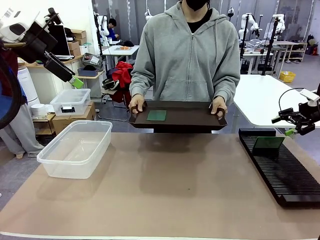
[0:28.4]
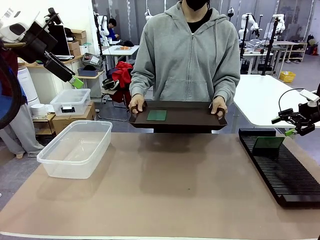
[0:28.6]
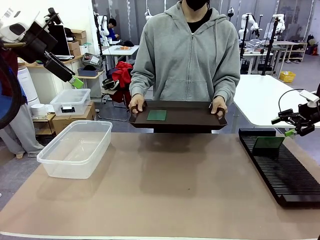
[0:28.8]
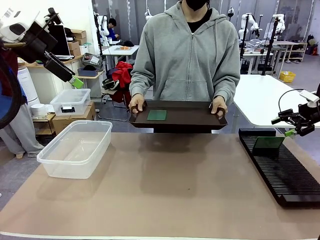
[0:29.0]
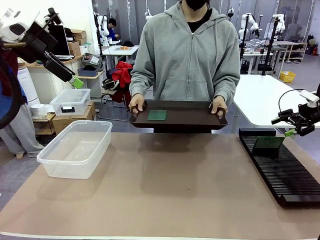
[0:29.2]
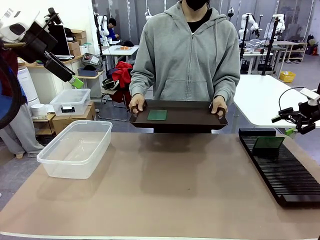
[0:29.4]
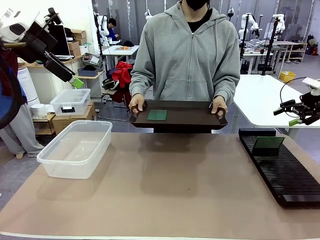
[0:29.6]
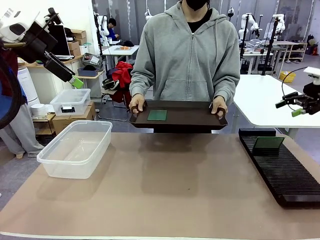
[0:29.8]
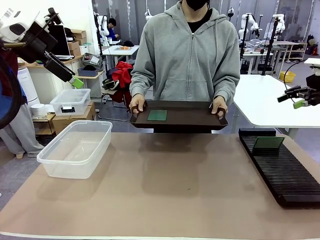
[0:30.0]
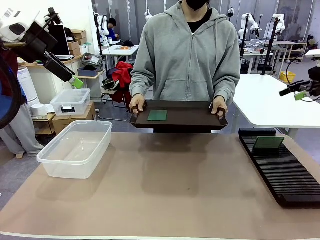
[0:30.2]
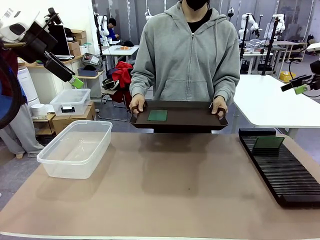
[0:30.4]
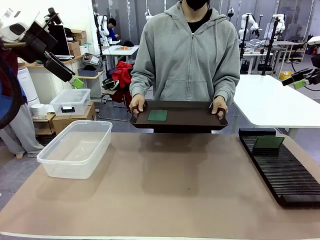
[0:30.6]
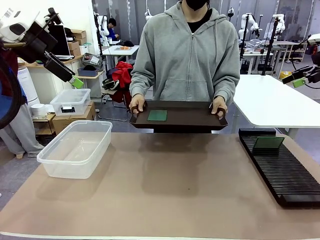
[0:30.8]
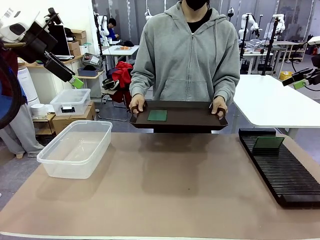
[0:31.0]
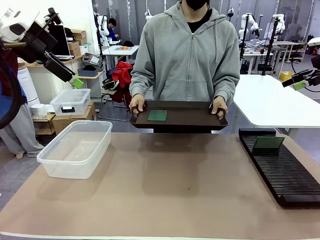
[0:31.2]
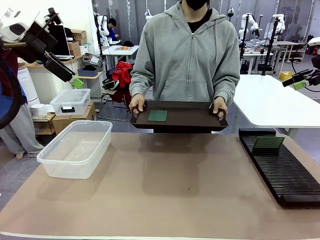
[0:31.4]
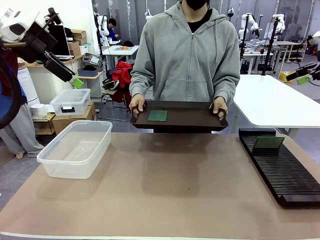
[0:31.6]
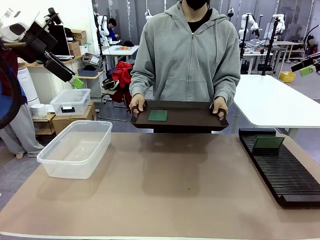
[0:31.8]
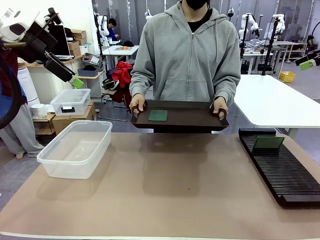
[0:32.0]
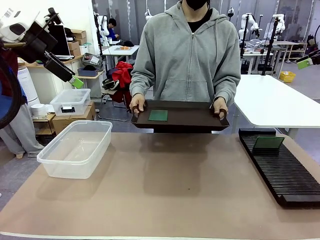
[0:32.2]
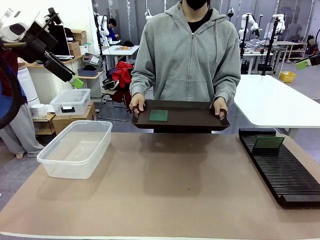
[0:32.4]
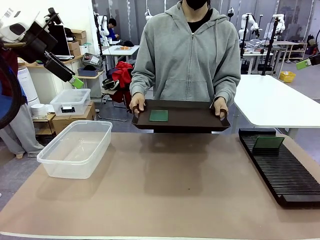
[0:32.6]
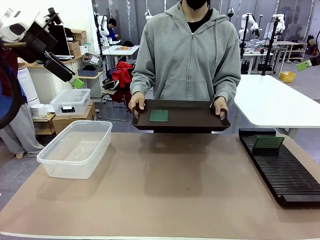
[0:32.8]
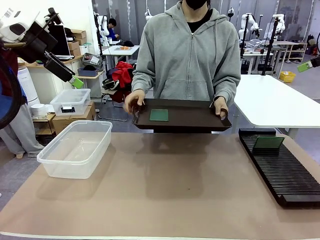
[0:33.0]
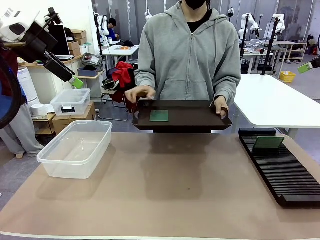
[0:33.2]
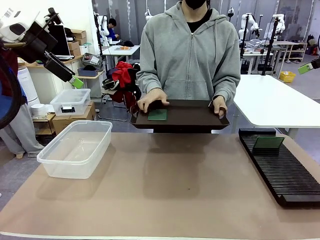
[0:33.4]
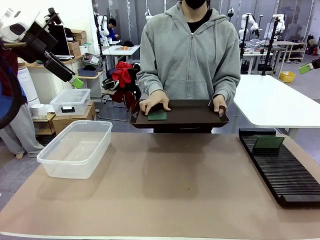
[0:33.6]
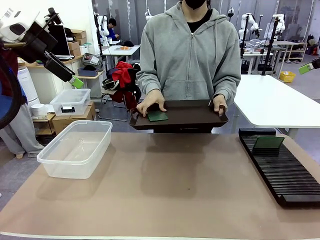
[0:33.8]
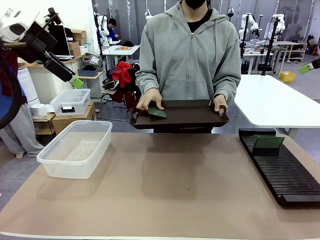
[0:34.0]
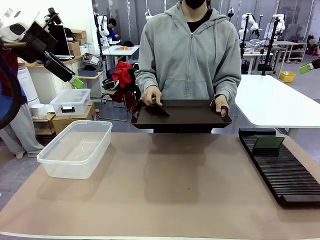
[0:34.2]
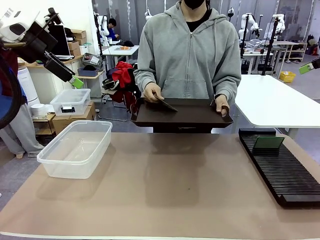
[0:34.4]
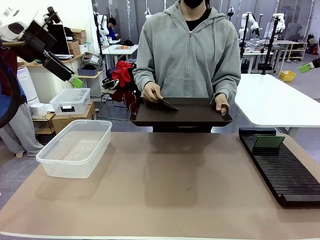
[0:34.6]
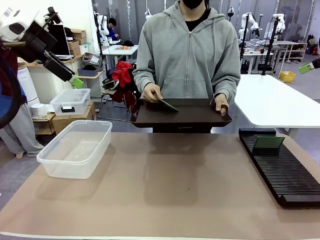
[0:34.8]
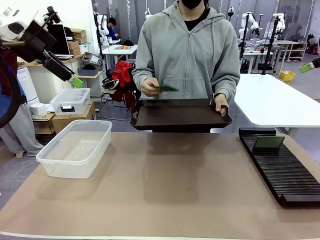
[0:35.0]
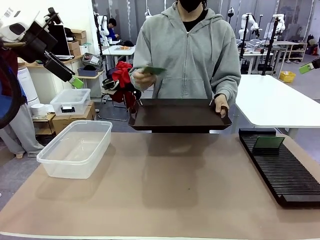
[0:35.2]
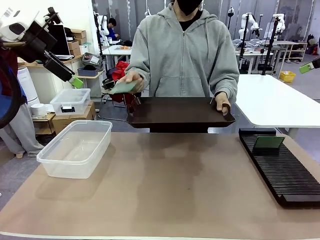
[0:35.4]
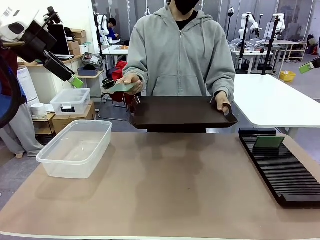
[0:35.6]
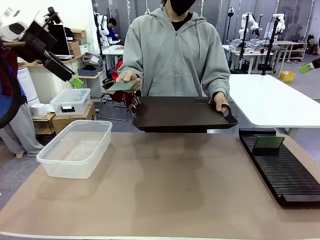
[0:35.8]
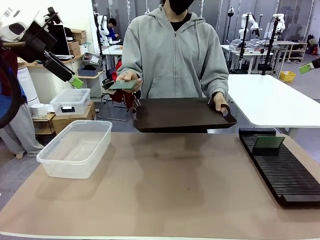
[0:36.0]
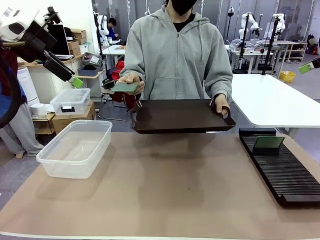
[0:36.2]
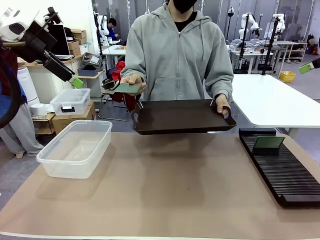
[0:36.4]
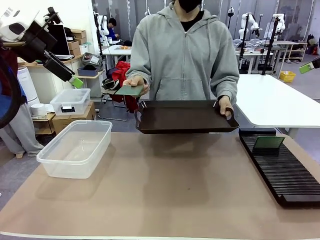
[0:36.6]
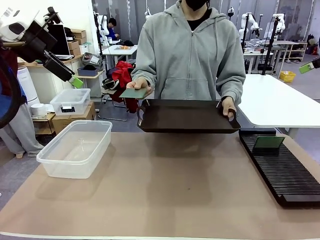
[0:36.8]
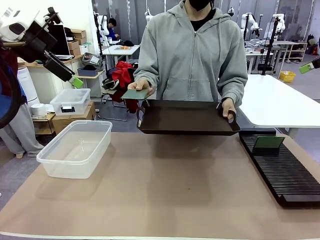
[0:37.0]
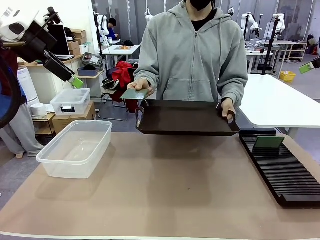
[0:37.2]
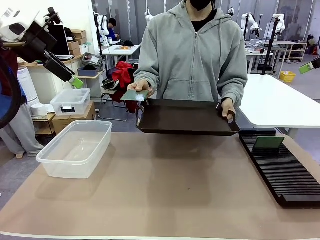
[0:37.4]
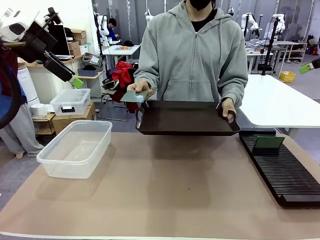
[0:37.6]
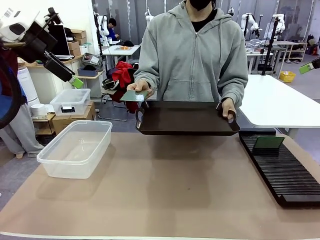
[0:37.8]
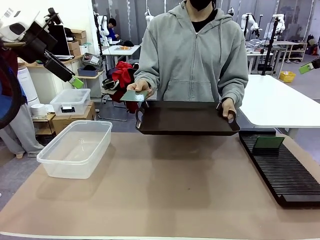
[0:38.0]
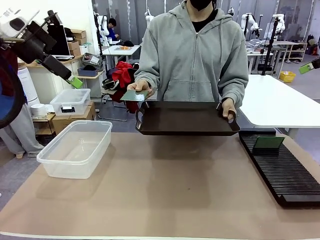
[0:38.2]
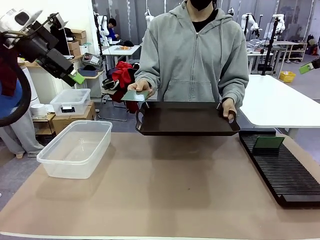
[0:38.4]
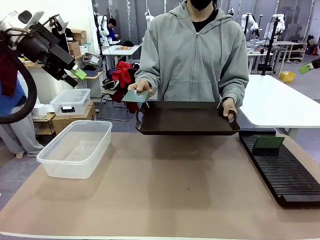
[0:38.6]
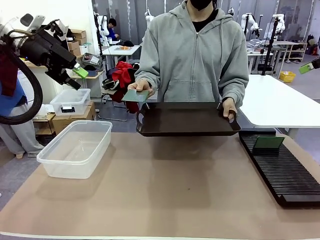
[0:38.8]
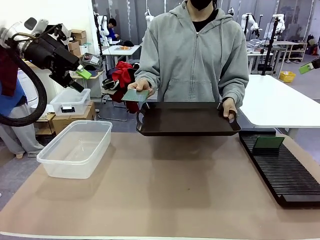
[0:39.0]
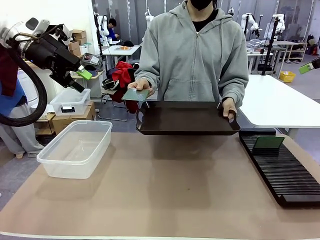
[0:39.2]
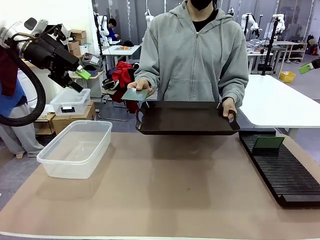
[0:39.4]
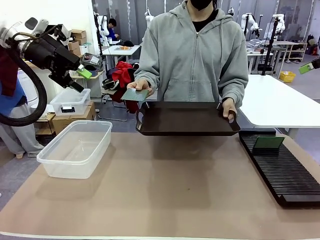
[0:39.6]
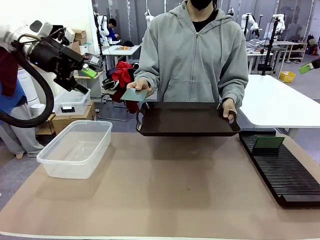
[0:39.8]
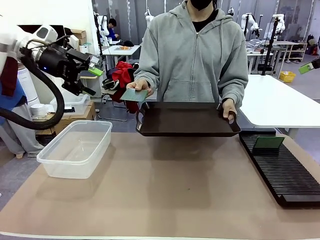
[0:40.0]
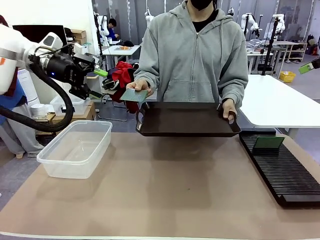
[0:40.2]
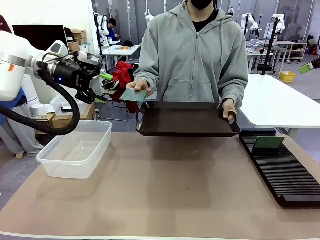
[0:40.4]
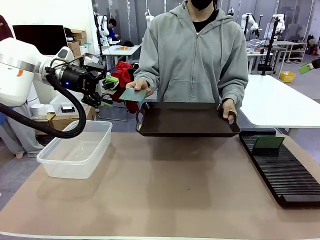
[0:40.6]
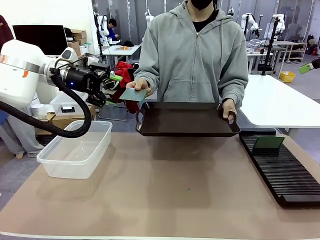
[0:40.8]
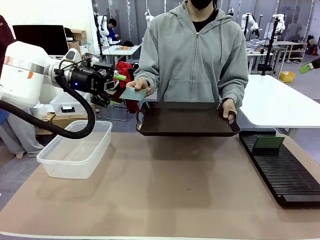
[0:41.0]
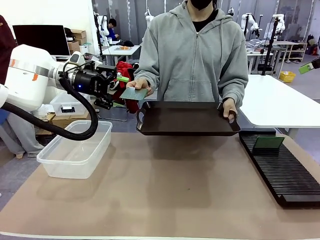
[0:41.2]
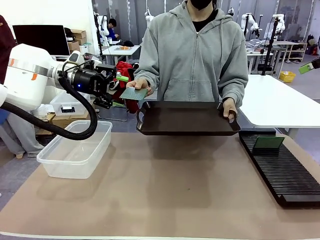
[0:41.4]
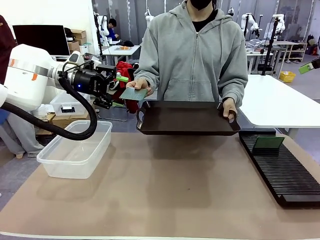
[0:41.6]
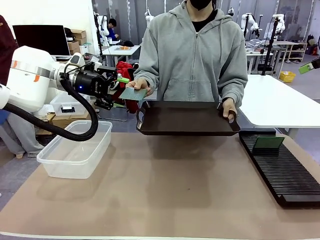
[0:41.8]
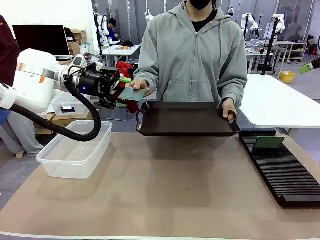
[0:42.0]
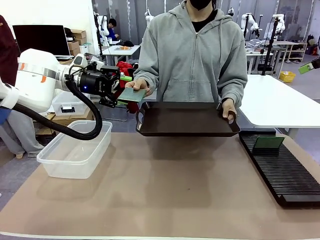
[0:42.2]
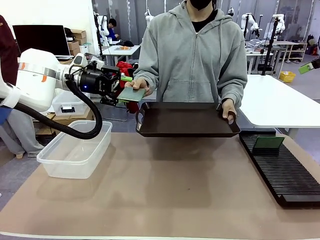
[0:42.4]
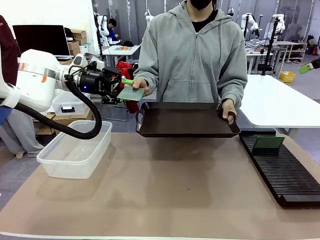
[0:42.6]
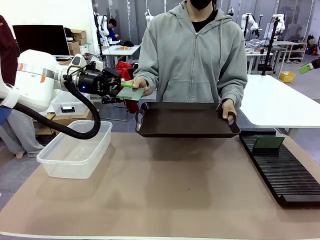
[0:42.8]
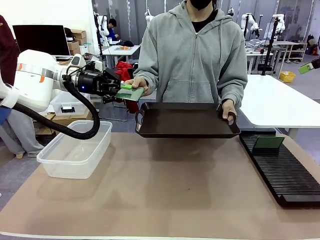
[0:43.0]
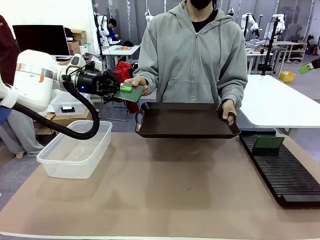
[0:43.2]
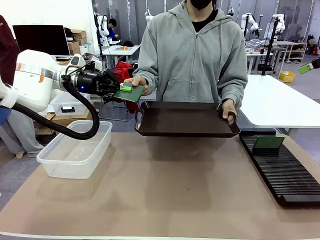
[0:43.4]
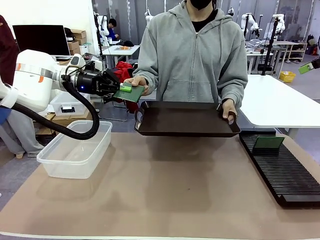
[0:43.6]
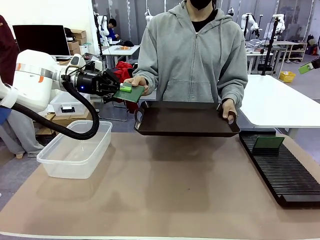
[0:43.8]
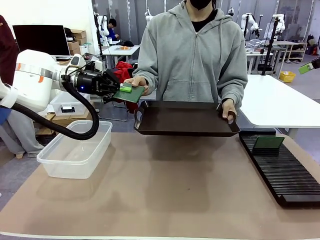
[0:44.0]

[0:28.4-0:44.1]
Task: Sort PCBs into racks and boxes based on the side picked up.
Robot: Pick up the Blank PCB handed by the Human.

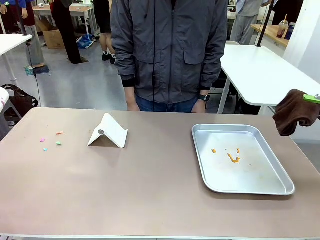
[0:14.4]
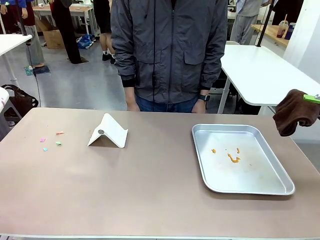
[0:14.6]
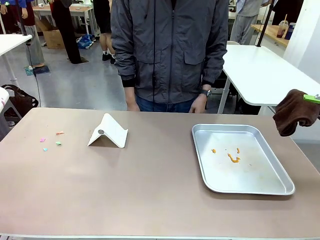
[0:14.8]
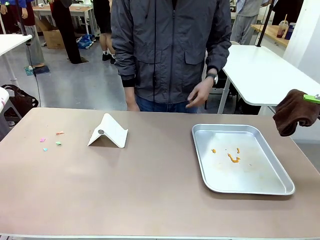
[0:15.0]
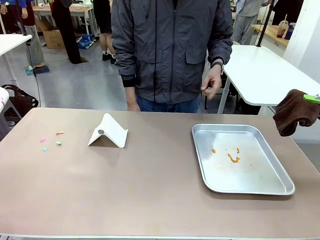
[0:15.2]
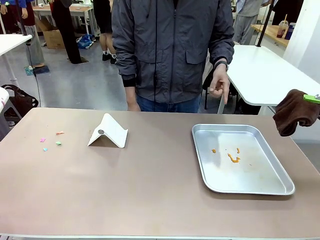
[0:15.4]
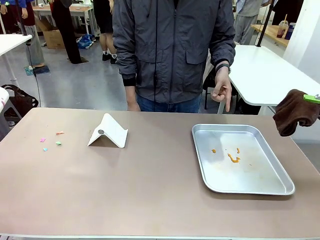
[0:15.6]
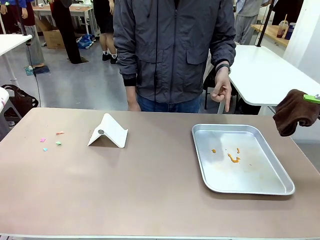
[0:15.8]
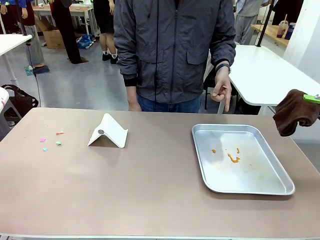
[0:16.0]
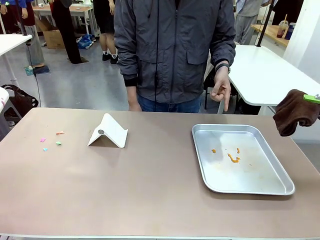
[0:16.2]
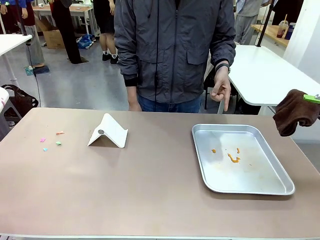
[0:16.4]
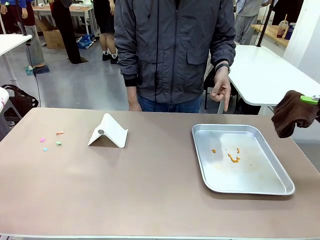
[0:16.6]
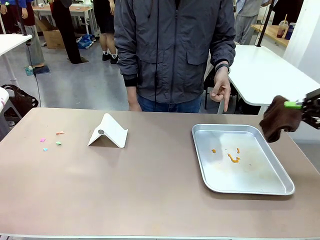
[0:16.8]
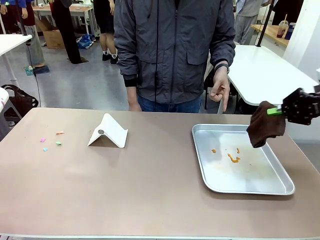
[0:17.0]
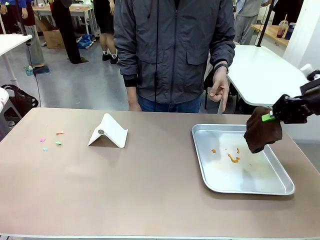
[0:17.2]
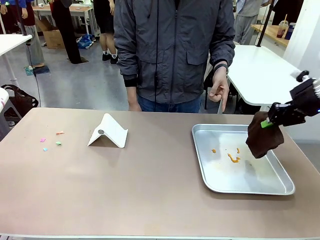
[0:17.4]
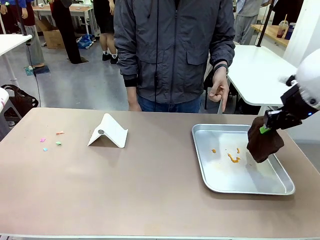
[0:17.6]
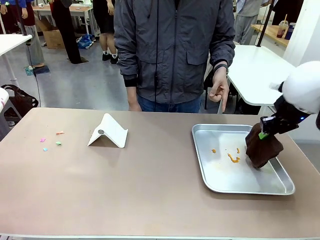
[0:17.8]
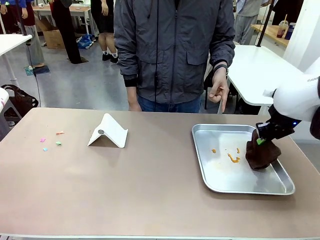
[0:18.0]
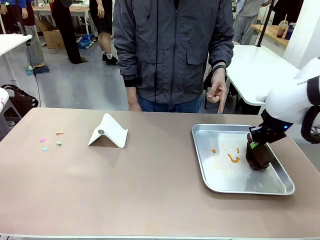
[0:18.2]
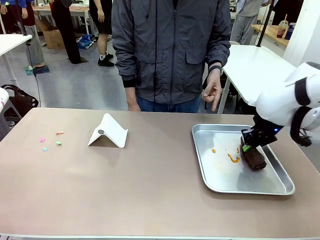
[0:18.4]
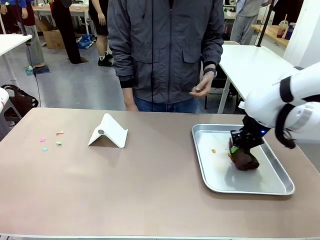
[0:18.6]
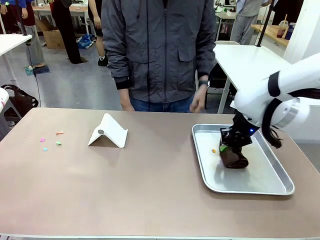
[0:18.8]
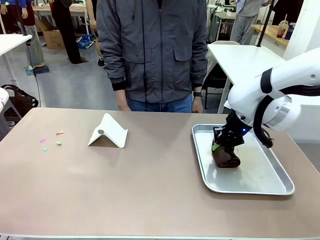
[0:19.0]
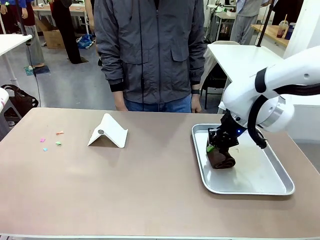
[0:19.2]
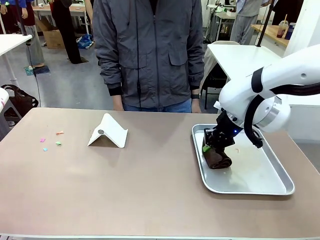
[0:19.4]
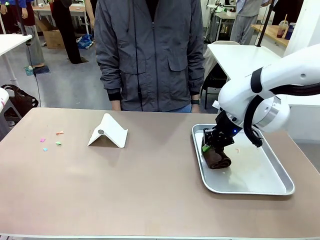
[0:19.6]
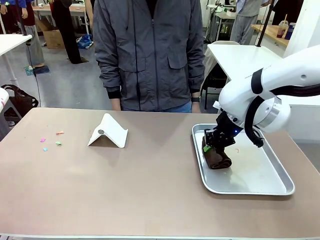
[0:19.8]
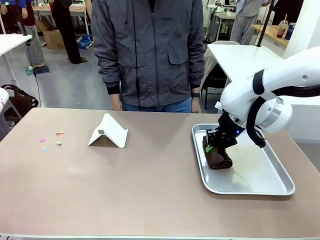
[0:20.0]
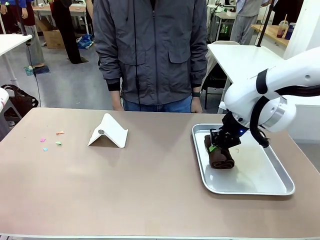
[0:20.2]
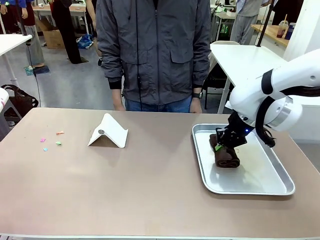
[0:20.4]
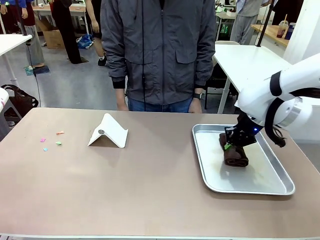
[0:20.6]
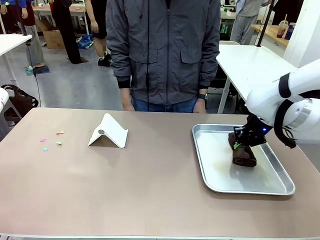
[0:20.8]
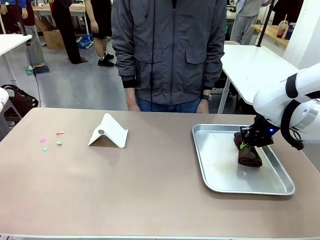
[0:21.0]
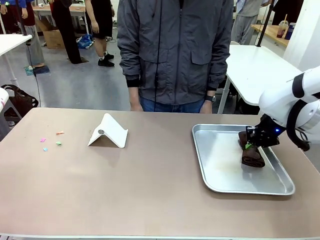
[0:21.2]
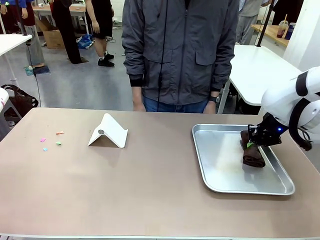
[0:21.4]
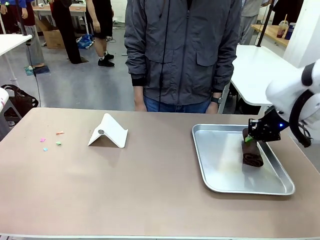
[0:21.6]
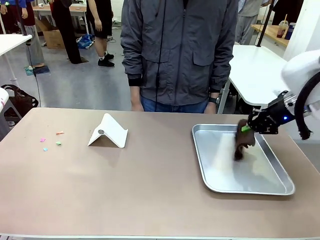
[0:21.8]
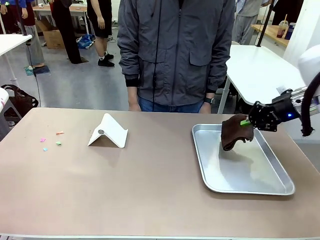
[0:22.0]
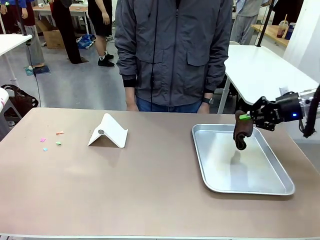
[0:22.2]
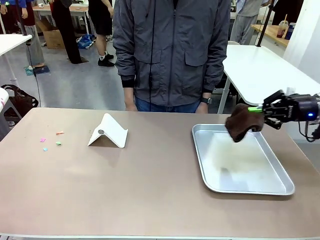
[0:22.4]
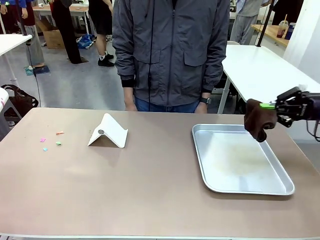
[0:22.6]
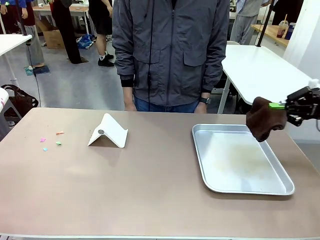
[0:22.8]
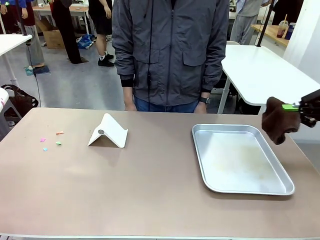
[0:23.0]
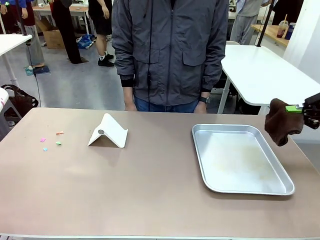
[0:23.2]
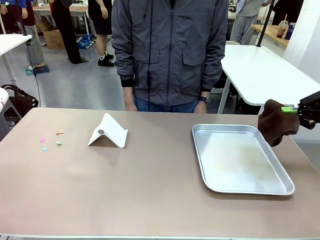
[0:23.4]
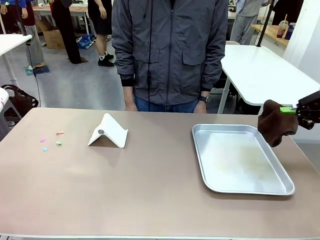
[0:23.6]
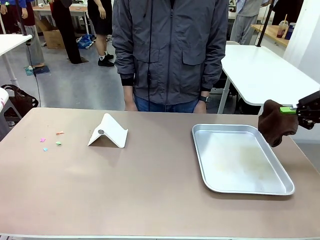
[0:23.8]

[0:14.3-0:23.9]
Task: Clean the surface of the table.
Robot: If a person points to the right, clean the right side of the table with your right hand, and if they point to the left, clean the left side with your left hand.
